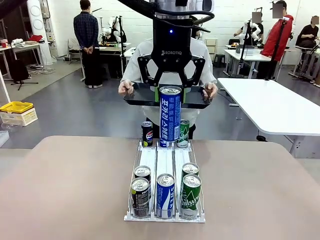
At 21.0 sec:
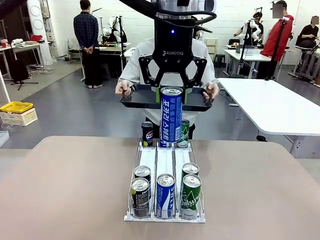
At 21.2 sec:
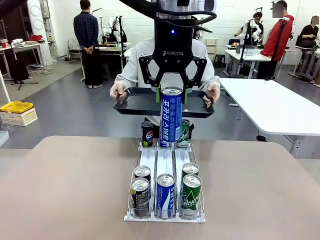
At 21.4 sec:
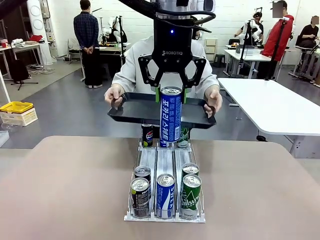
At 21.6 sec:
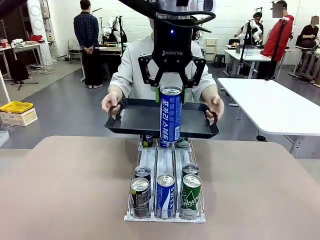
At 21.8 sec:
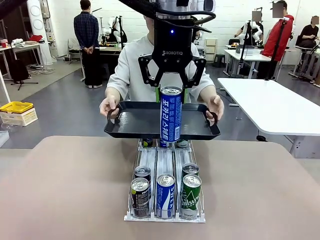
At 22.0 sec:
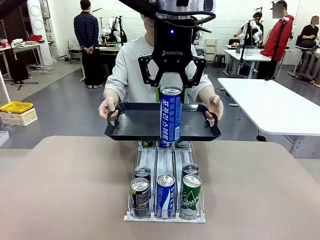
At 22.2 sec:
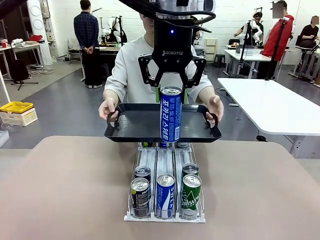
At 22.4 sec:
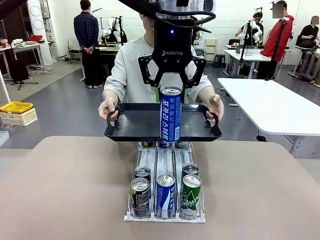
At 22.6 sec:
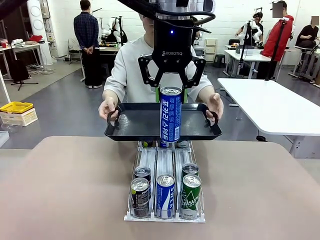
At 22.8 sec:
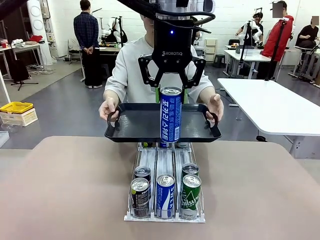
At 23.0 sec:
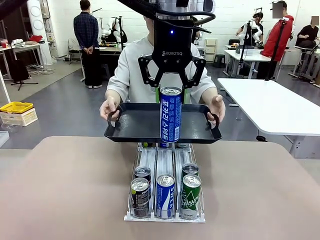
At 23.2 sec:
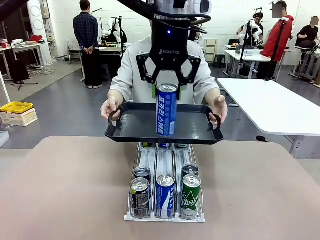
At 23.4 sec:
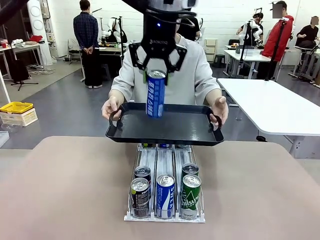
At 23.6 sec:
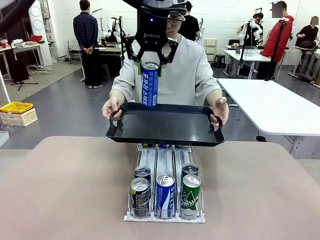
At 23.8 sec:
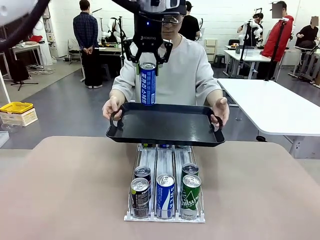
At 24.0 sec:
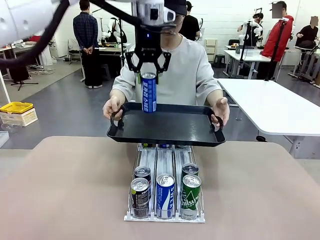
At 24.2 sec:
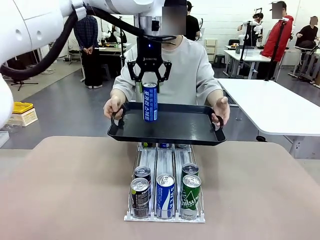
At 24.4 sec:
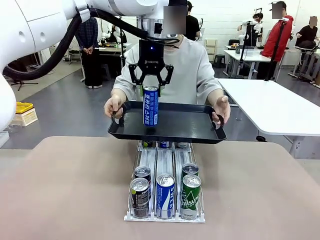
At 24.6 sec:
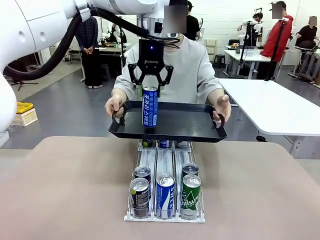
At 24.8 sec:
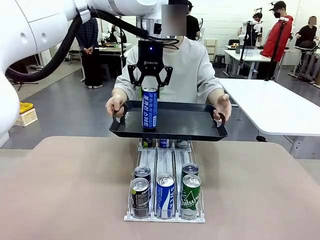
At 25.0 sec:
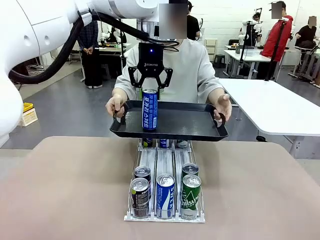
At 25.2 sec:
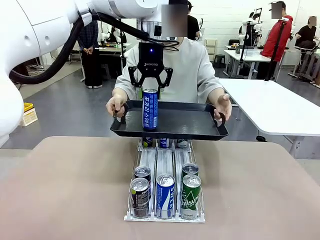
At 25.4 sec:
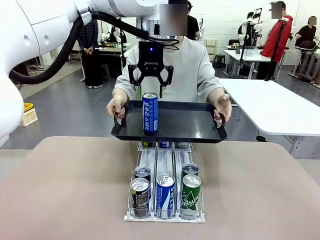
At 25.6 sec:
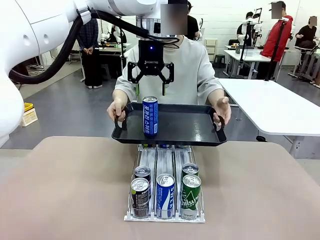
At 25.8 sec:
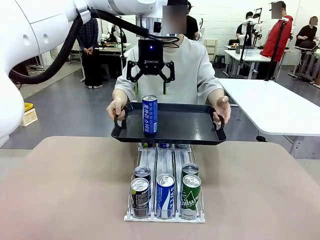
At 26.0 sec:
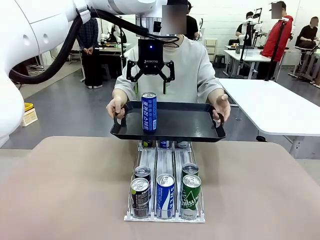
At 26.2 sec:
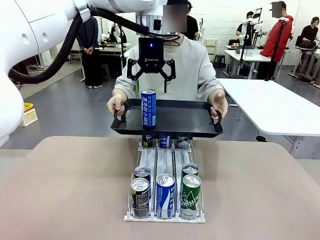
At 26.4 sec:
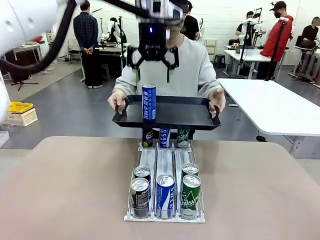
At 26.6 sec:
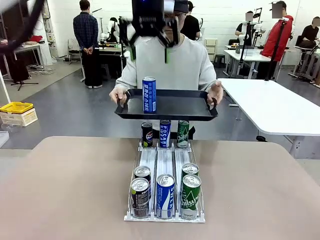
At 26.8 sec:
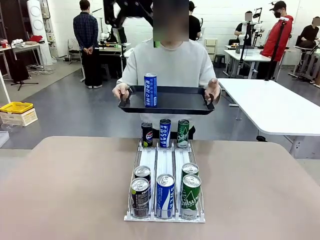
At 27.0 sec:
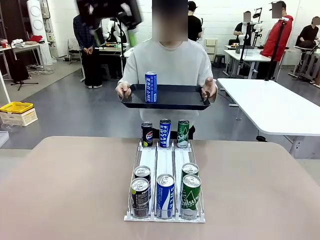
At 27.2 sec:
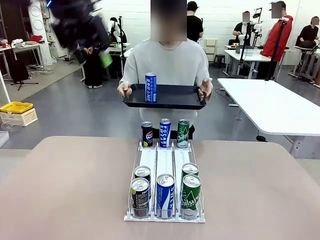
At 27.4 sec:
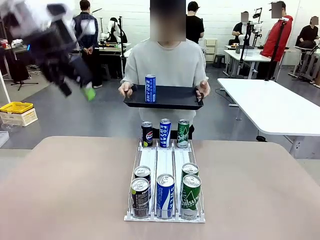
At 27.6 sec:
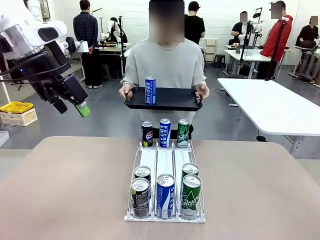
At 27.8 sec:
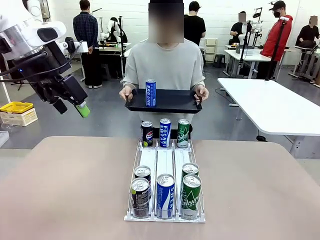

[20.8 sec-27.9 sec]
Task: Retrieve and hand over the desired beverage to the person.
Robot: Place the picked can on the Handle tray extended by the person.

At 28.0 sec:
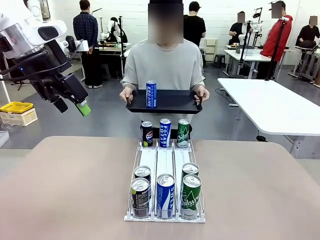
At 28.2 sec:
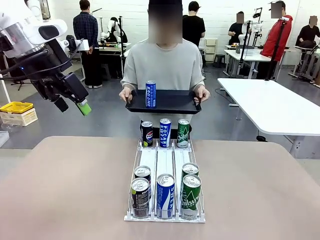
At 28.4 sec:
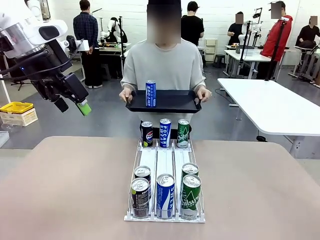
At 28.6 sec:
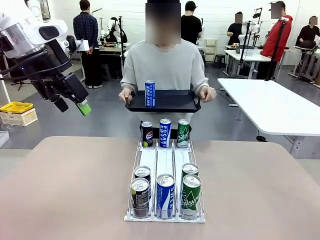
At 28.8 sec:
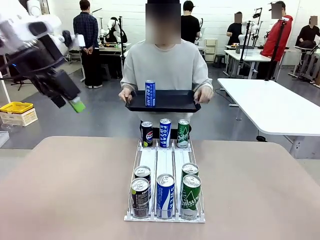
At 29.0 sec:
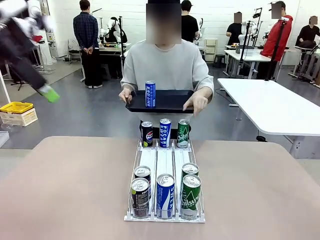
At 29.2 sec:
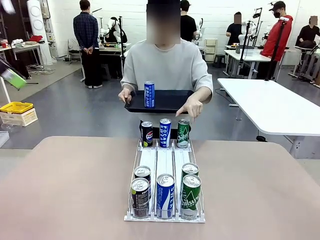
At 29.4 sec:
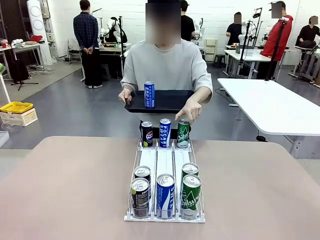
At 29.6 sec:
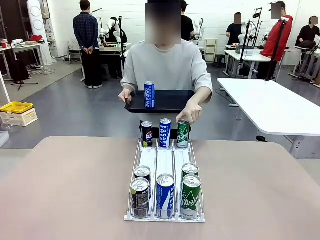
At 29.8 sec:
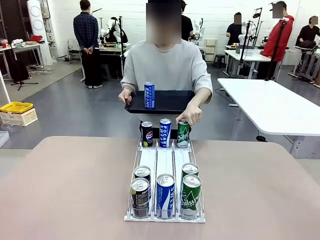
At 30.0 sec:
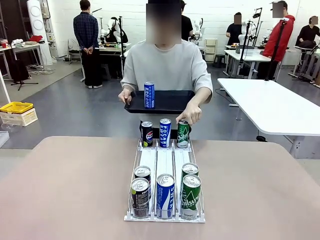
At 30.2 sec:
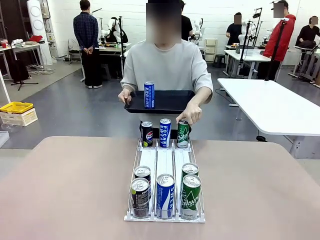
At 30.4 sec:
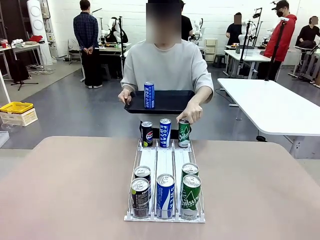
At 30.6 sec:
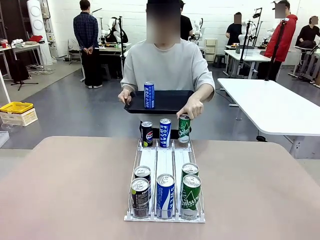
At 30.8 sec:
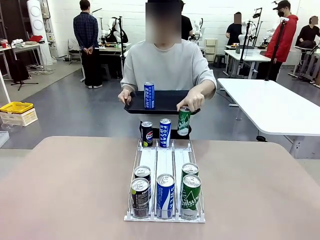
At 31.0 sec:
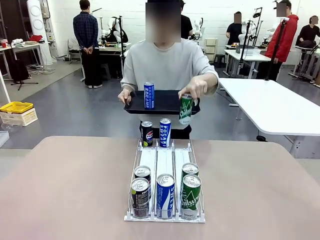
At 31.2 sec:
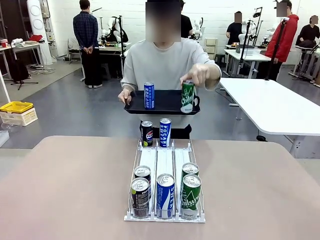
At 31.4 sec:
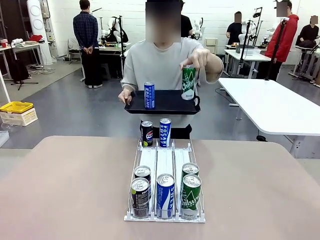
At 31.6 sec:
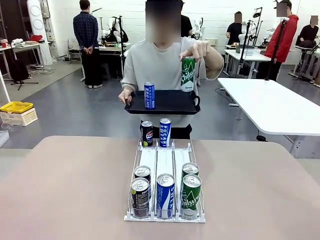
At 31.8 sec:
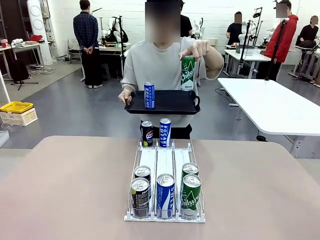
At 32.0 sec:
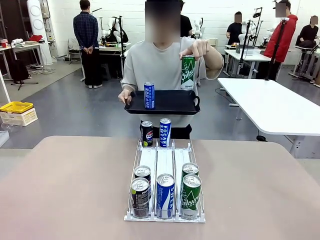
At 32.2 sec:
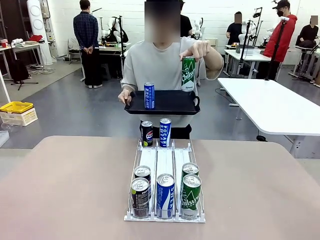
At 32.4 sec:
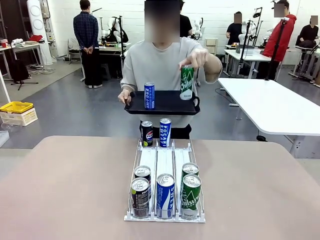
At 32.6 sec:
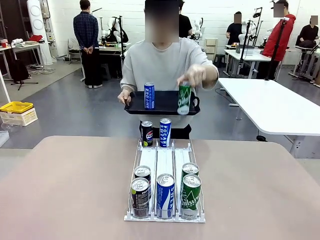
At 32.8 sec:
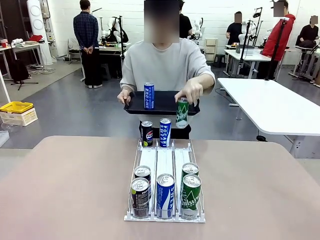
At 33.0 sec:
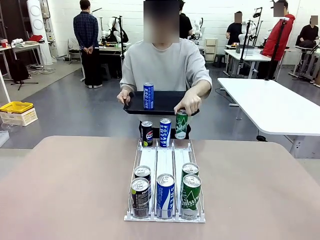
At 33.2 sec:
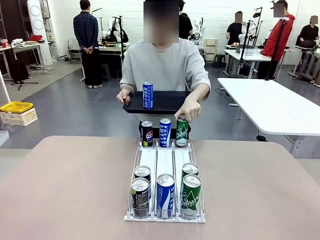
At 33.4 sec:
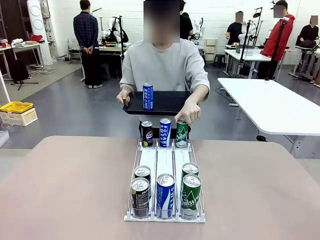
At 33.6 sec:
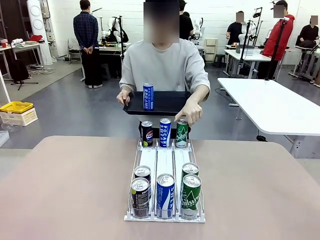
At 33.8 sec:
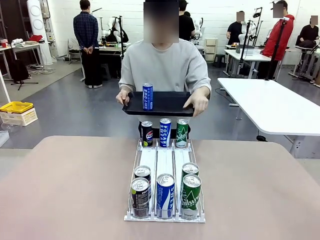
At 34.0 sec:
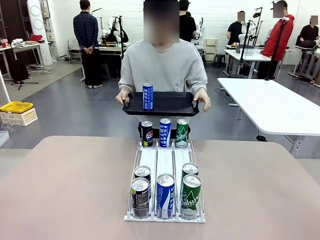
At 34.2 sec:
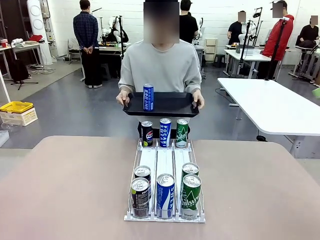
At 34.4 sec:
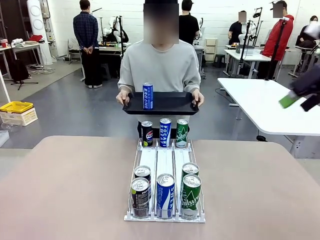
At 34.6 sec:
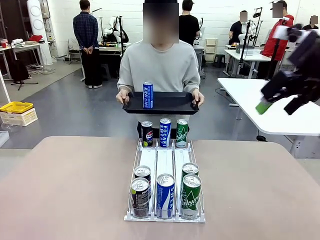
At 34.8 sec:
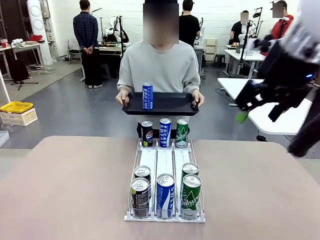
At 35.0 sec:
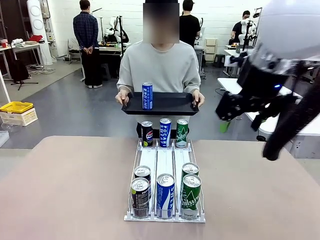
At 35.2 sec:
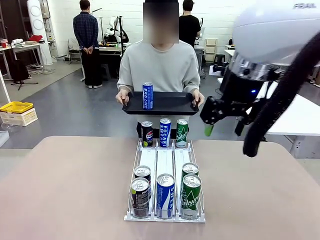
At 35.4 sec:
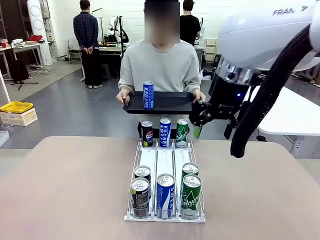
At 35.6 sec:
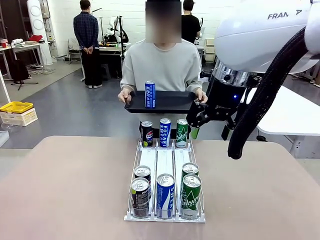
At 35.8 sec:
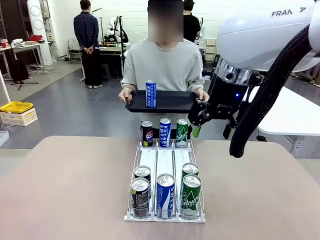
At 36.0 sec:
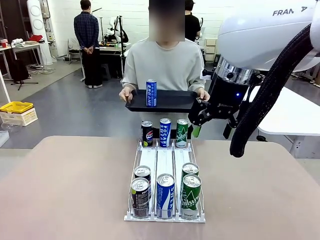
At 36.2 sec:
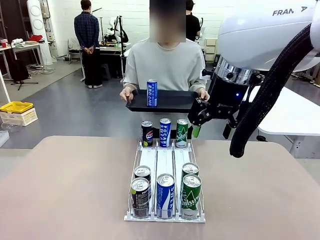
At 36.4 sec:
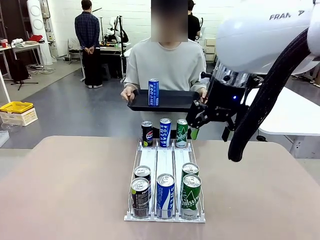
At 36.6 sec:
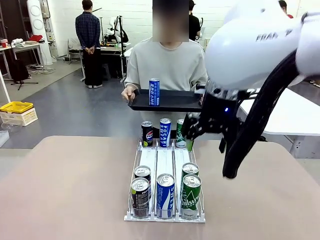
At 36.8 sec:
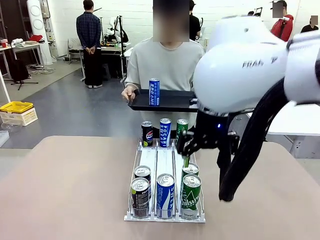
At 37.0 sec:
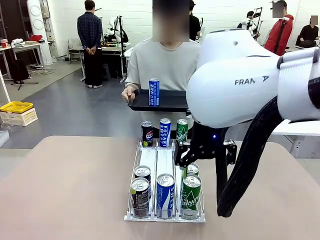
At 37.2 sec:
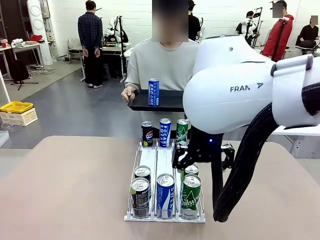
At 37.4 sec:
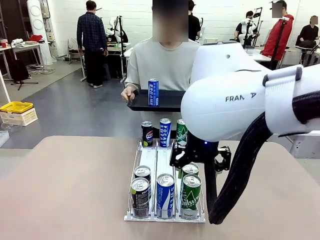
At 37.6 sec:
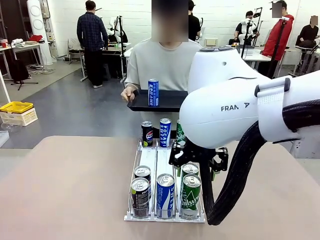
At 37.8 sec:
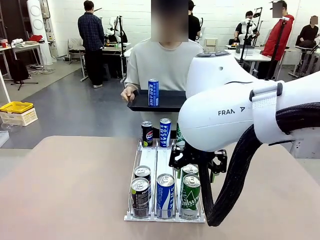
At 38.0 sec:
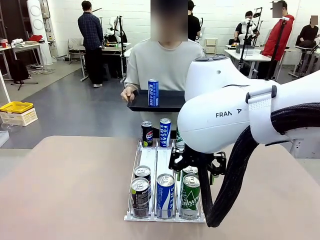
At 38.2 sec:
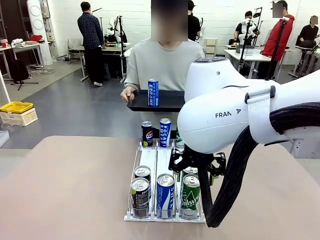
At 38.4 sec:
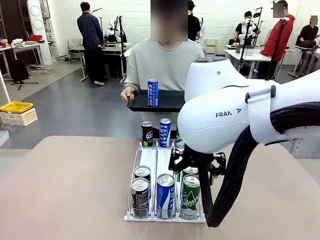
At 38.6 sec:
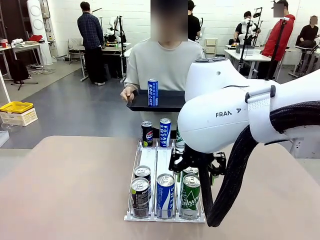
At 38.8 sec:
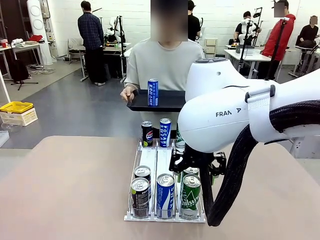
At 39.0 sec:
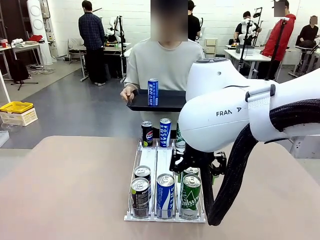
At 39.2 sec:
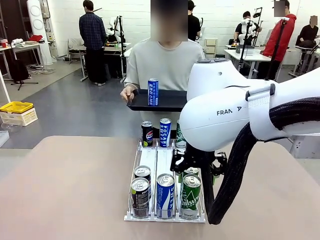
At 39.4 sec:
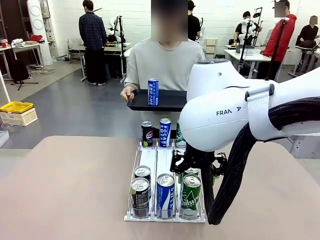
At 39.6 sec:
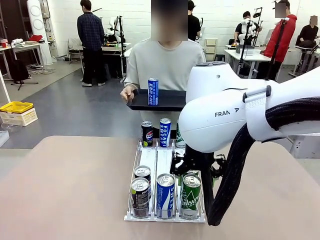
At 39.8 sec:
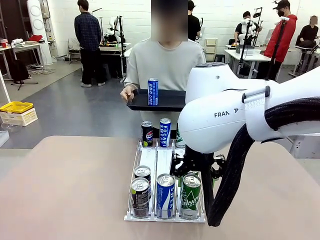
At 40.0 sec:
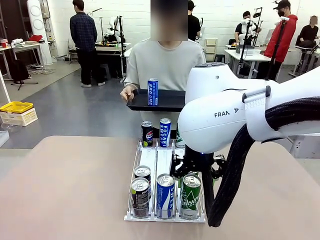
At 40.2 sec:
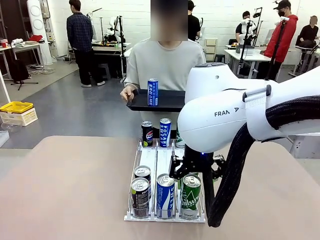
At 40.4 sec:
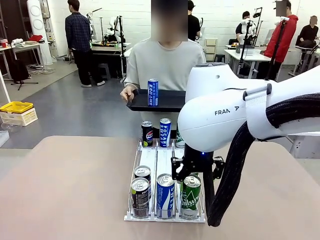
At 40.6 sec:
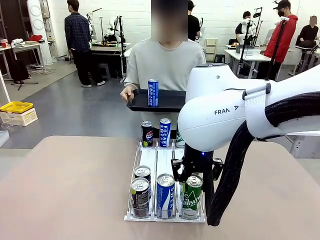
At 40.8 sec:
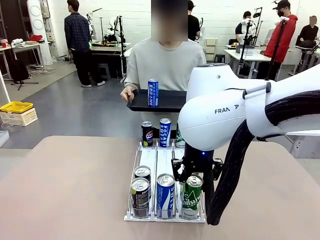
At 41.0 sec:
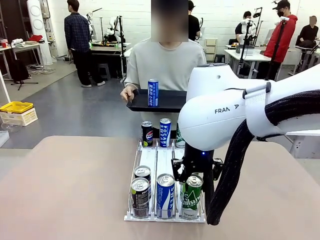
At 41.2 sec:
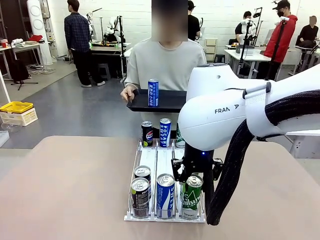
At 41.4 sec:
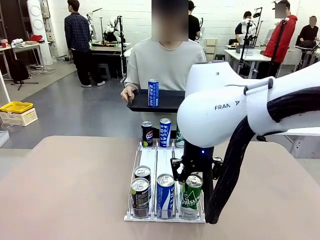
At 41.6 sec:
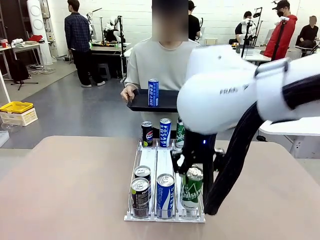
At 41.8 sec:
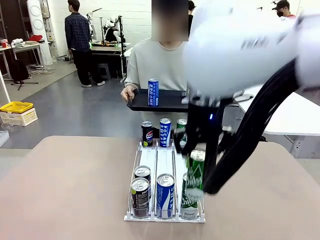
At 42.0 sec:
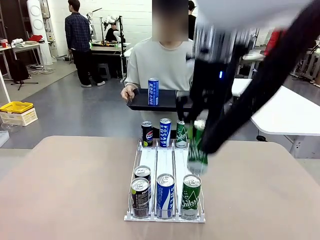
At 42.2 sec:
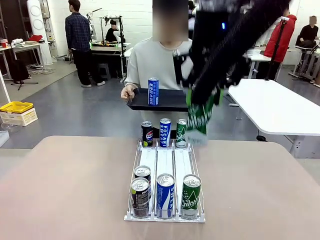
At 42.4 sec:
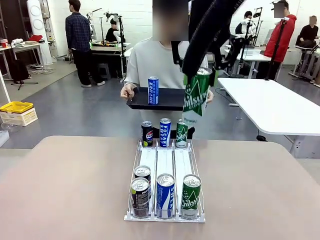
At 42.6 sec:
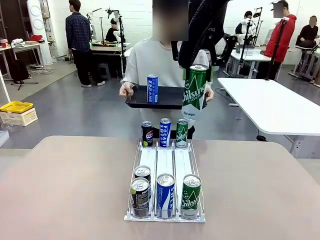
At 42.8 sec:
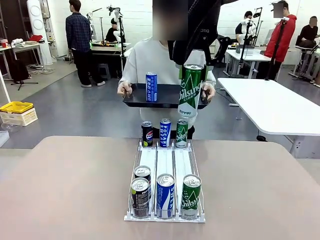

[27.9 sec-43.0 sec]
Robot: Pick up another can of the same type that the person held from the Automatic Can Dispenser.
Person: Pull the tray back, then pick up another can from the bottom area of the table and puts it back in its original place. Push the tray toward the robot again.
